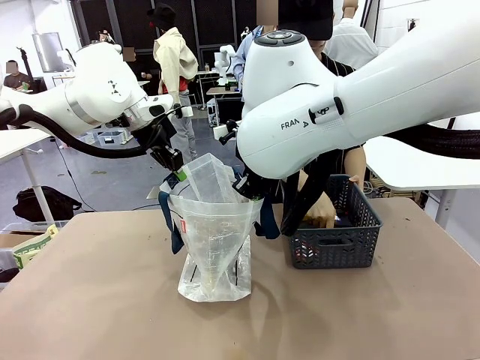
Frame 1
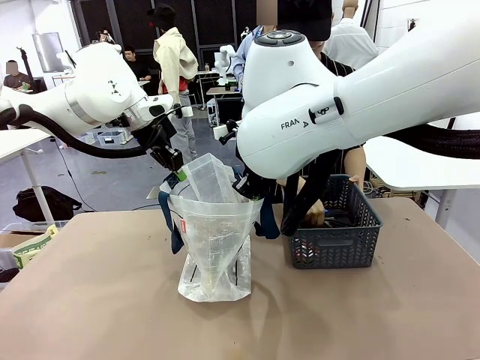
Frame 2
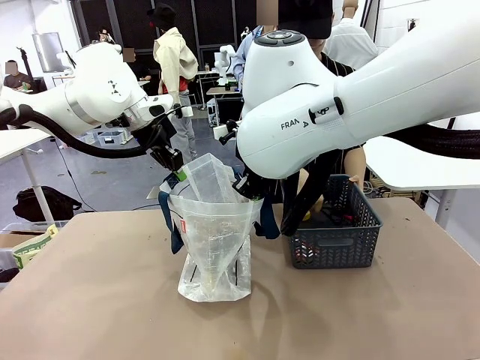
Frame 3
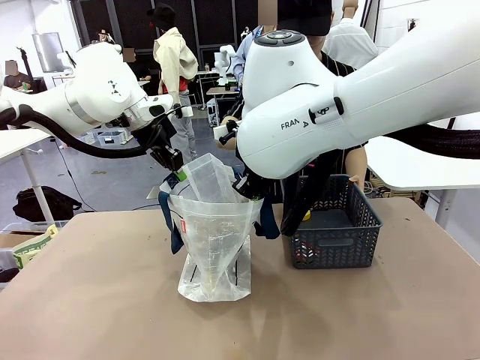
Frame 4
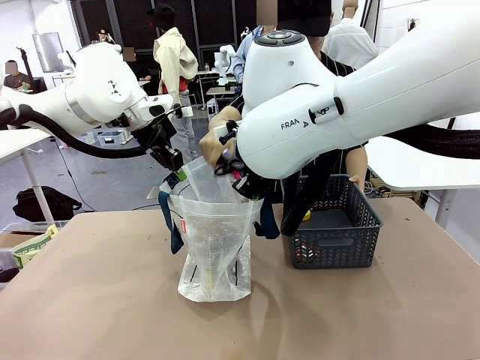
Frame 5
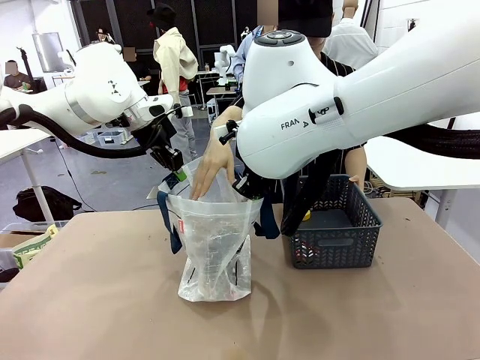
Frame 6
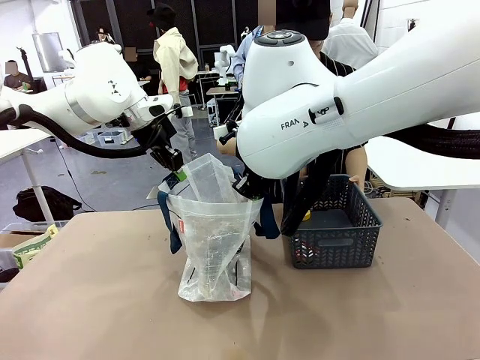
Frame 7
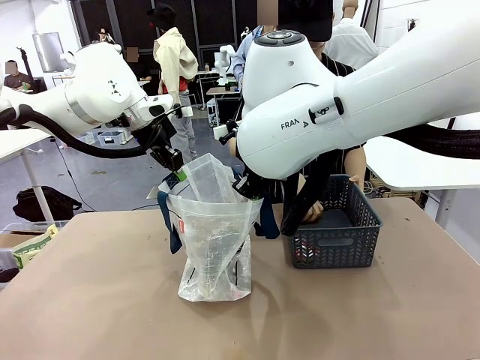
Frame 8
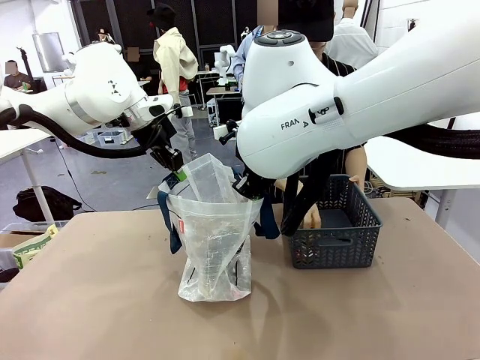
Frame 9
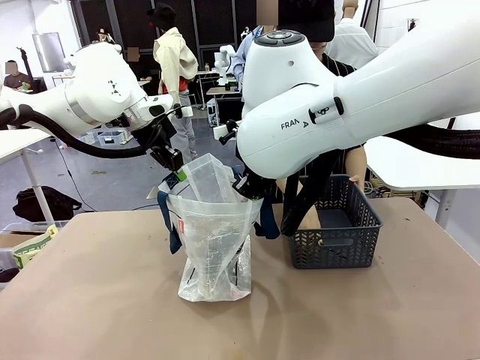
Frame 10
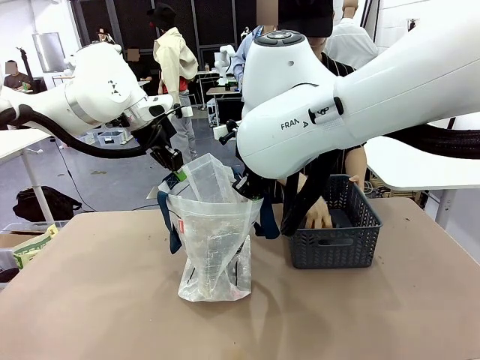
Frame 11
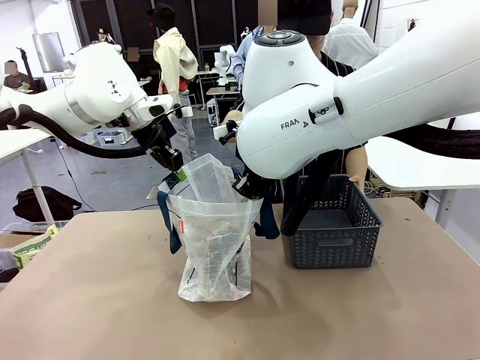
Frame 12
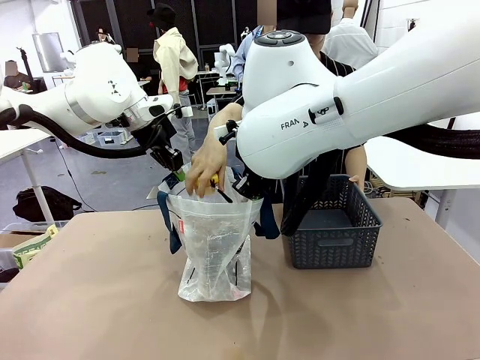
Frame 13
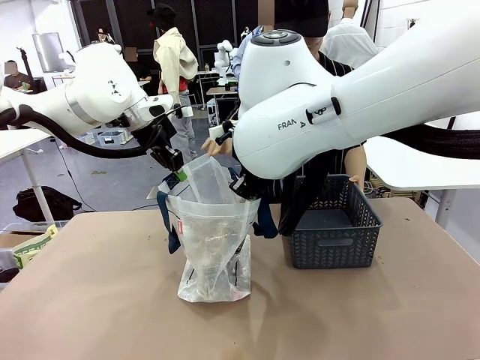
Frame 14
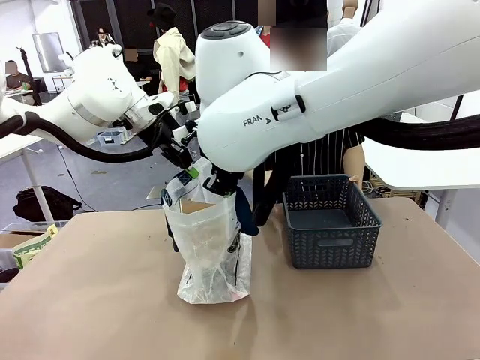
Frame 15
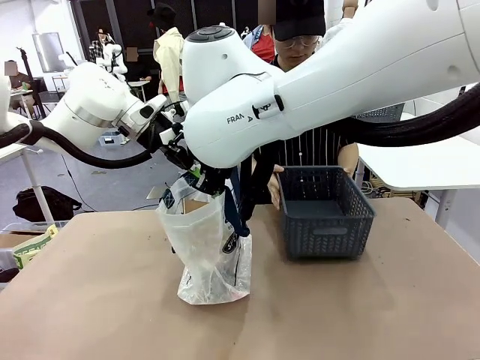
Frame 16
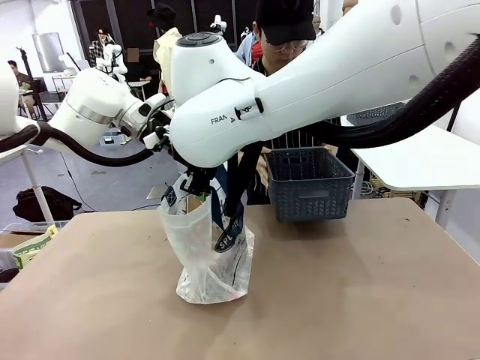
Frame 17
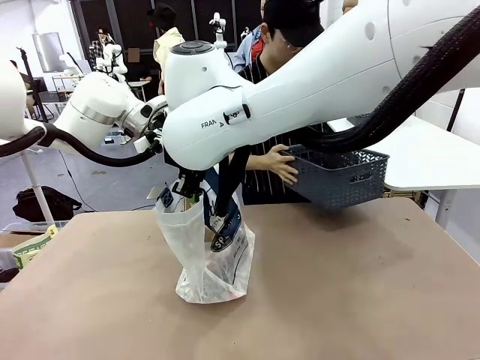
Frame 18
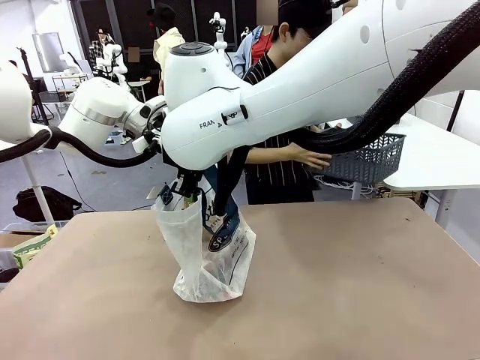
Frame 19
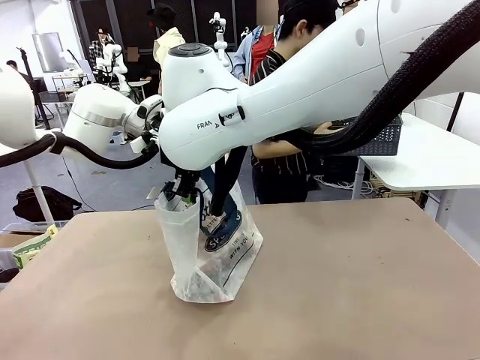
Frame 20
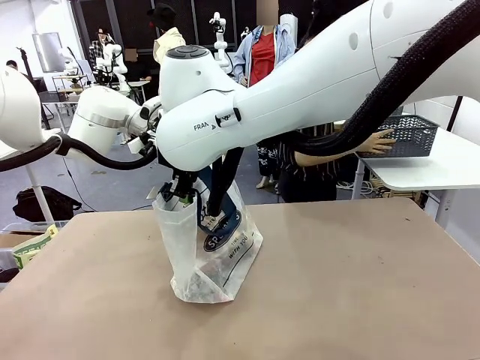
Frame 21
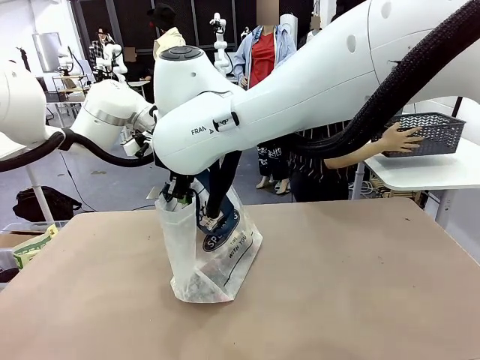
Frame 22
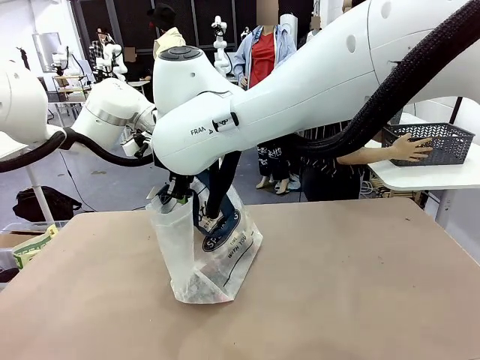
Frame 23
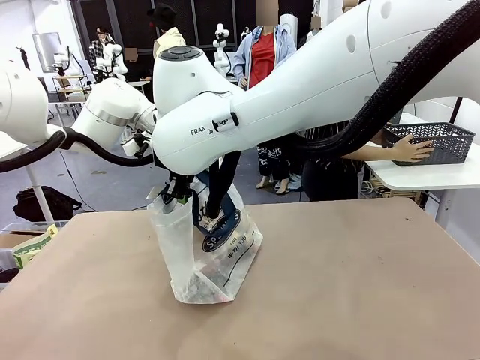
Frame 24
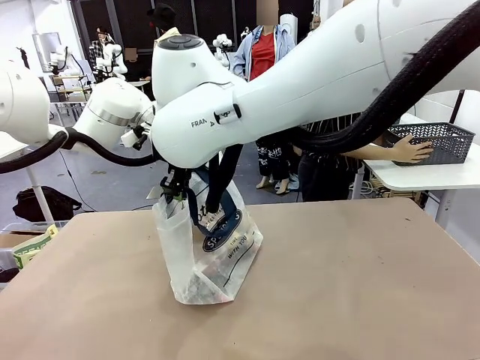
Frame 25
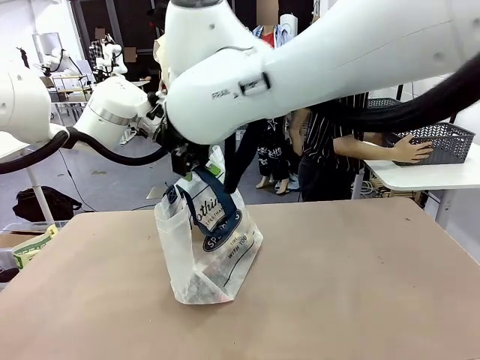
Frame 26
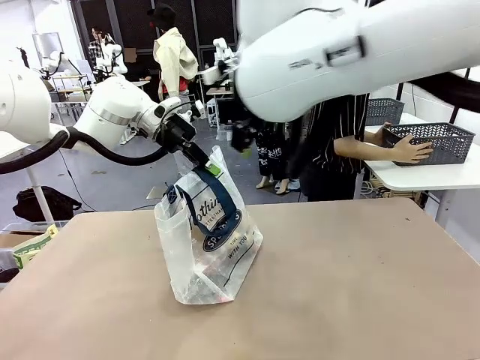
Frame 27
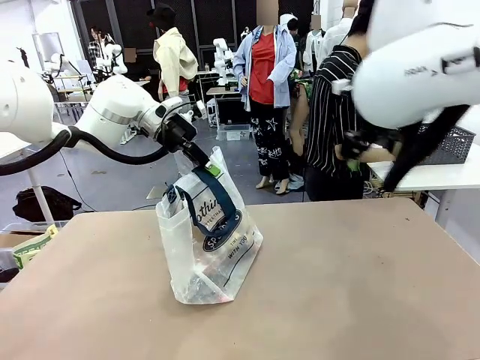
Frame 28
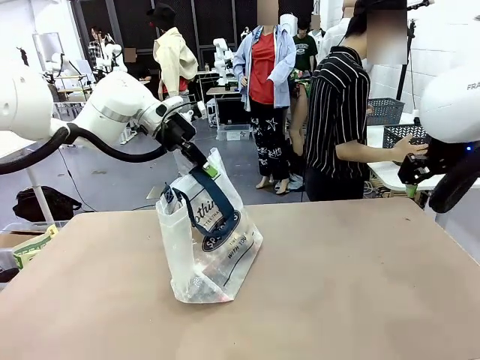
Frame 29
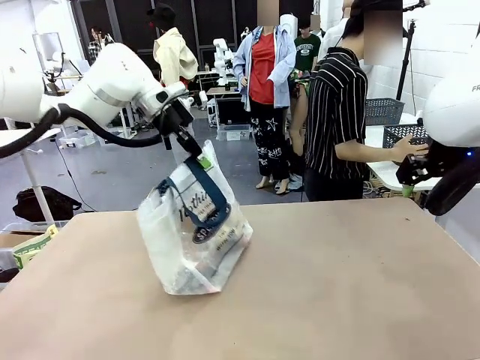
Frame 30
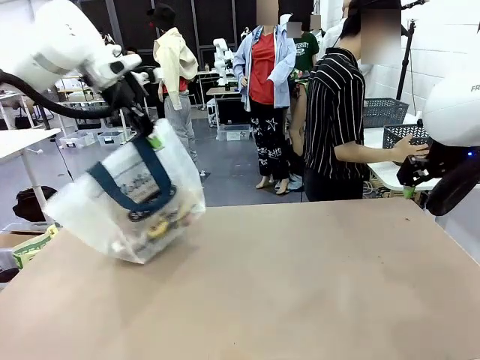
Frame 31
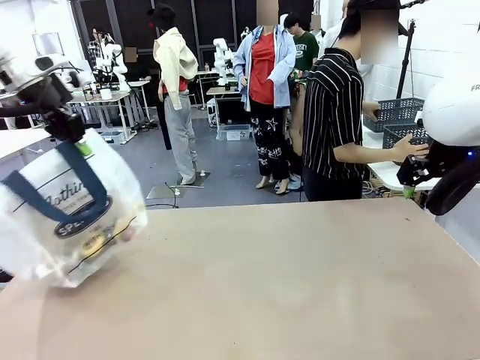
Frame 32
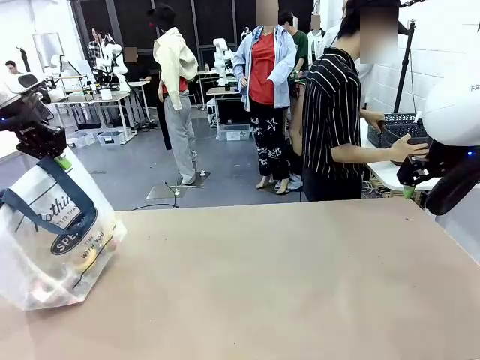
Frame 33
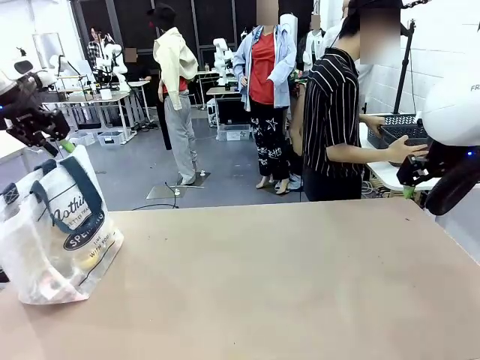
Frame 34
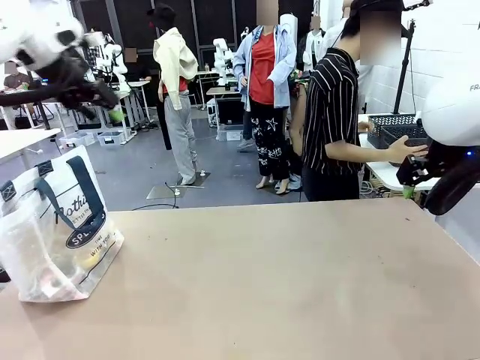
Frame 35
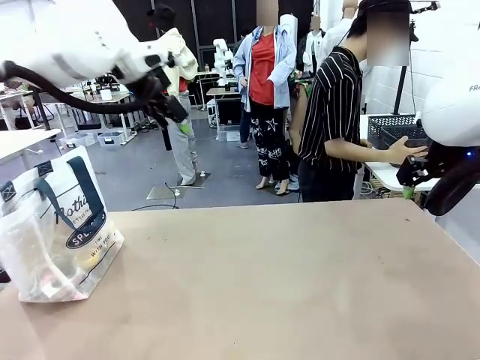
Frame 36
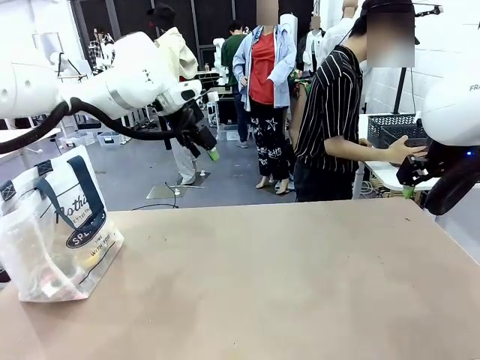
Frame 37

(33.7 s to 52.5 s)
Task: Transfer purchased items from the store into the shopping bag.
Robot: Move the Reusable shopping bag to the right side of the table.
Person: Move the basket on the left to the middle of the person's table.
